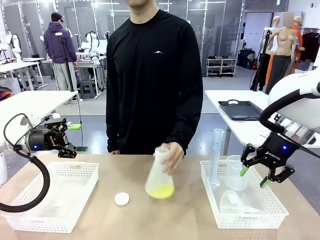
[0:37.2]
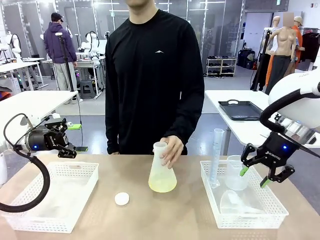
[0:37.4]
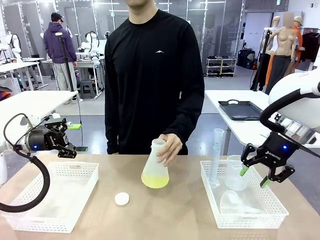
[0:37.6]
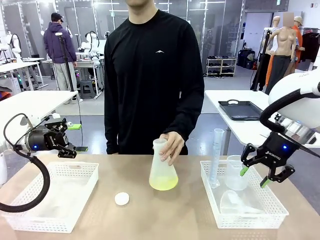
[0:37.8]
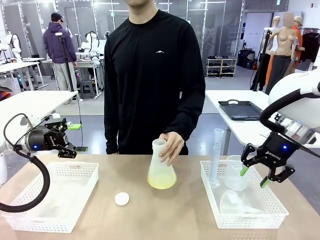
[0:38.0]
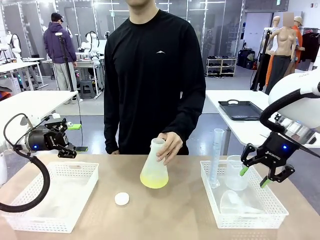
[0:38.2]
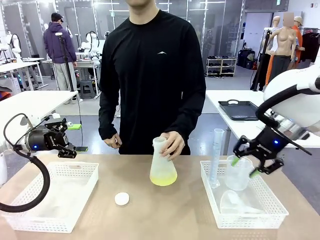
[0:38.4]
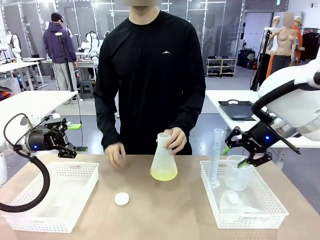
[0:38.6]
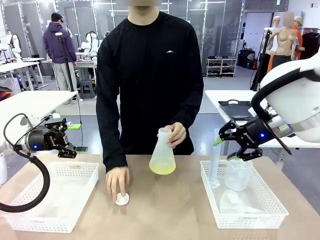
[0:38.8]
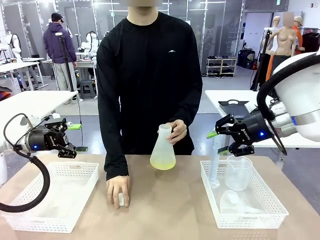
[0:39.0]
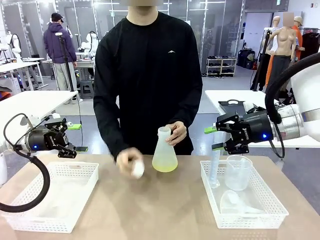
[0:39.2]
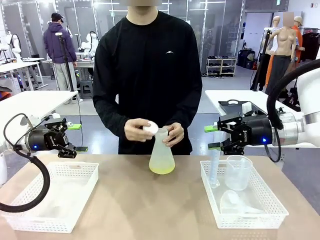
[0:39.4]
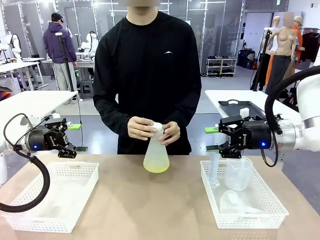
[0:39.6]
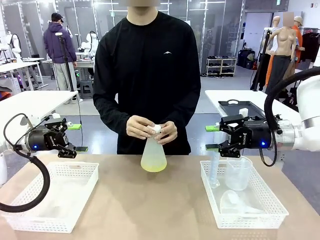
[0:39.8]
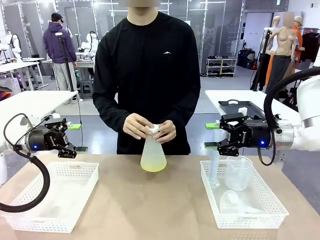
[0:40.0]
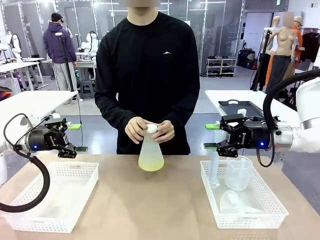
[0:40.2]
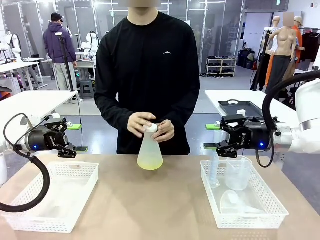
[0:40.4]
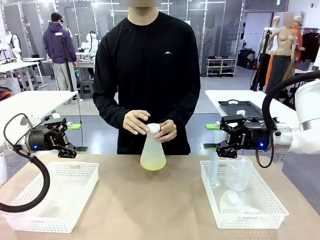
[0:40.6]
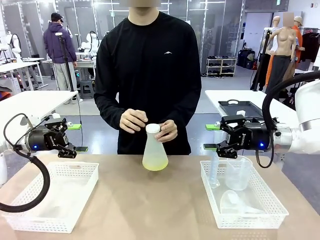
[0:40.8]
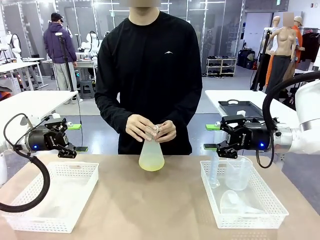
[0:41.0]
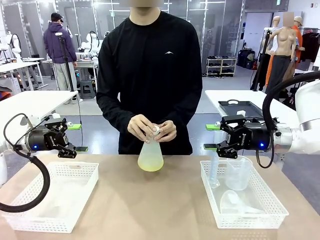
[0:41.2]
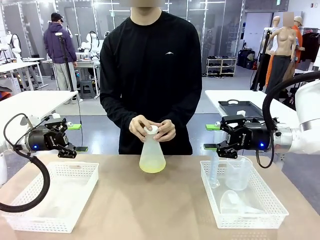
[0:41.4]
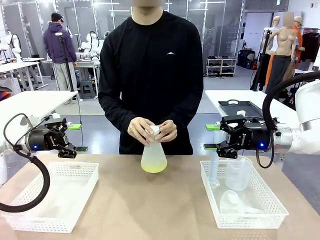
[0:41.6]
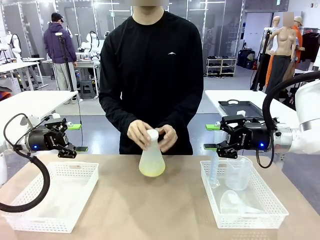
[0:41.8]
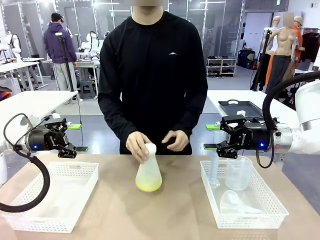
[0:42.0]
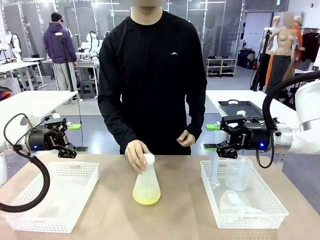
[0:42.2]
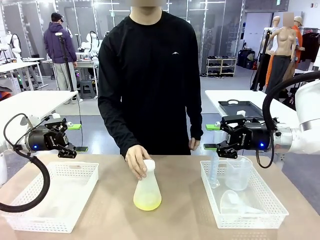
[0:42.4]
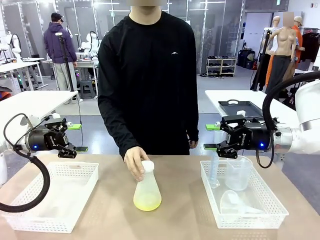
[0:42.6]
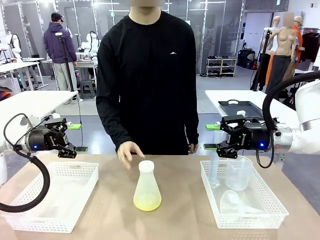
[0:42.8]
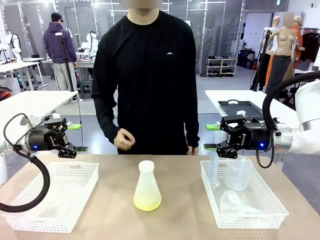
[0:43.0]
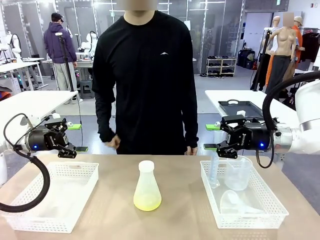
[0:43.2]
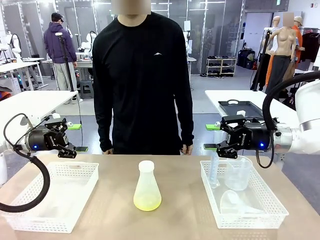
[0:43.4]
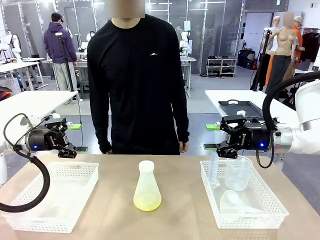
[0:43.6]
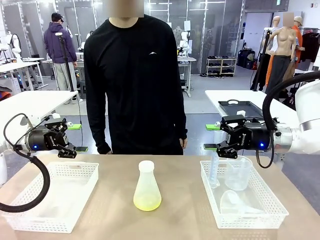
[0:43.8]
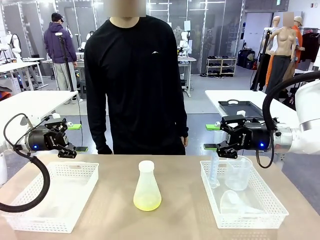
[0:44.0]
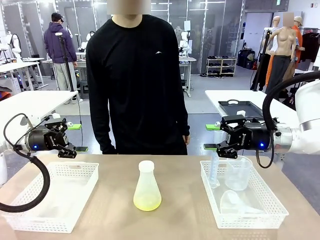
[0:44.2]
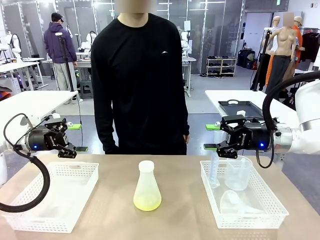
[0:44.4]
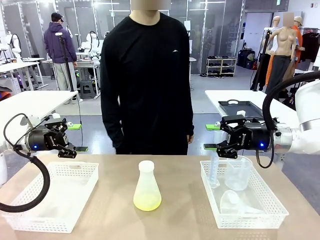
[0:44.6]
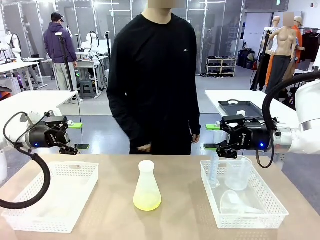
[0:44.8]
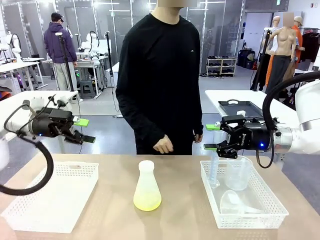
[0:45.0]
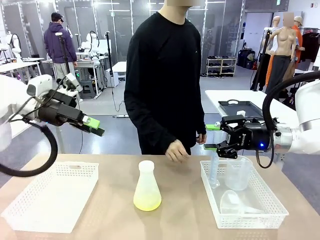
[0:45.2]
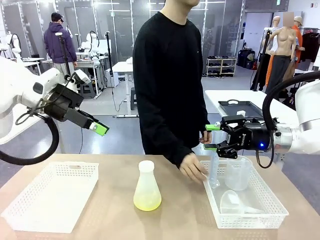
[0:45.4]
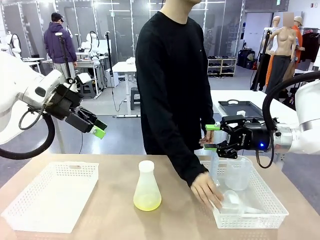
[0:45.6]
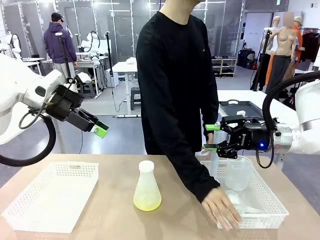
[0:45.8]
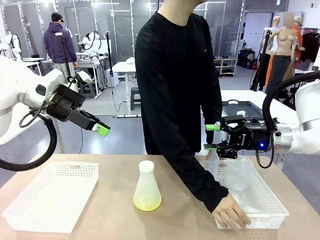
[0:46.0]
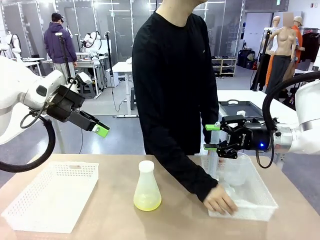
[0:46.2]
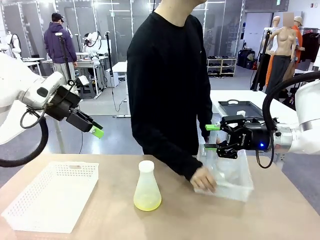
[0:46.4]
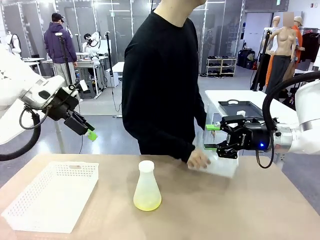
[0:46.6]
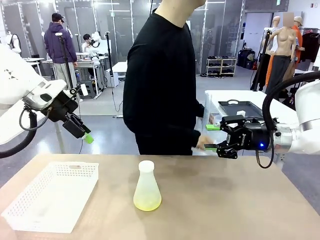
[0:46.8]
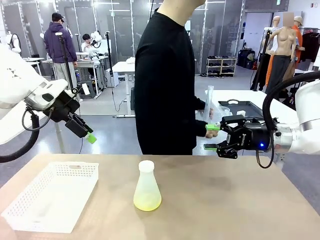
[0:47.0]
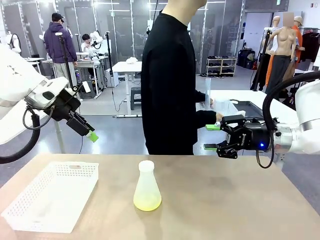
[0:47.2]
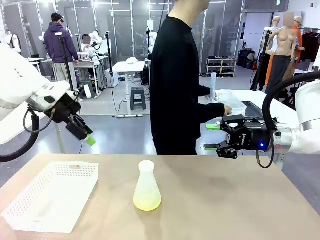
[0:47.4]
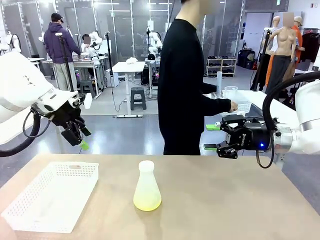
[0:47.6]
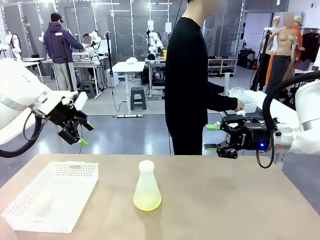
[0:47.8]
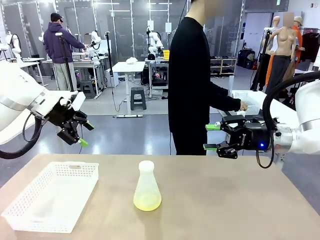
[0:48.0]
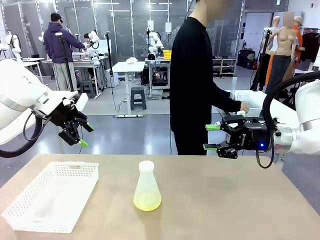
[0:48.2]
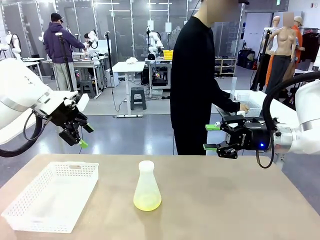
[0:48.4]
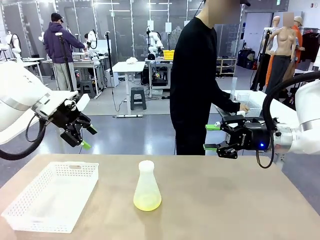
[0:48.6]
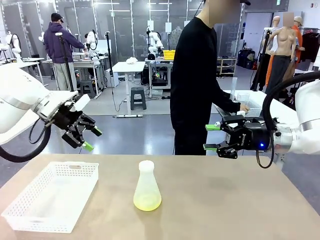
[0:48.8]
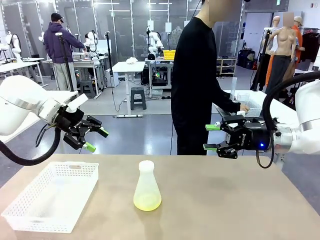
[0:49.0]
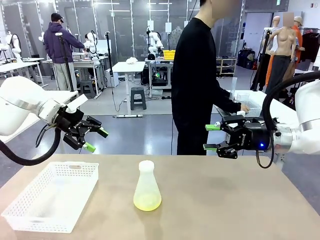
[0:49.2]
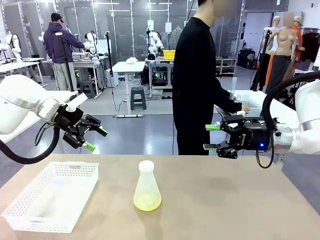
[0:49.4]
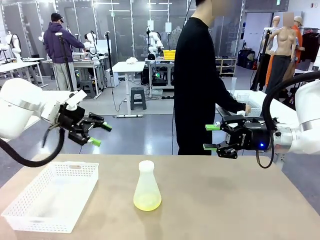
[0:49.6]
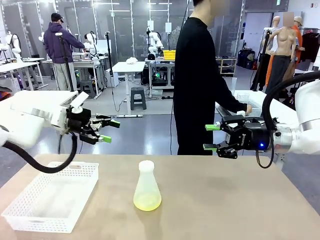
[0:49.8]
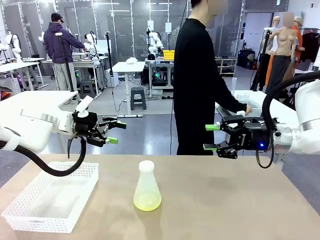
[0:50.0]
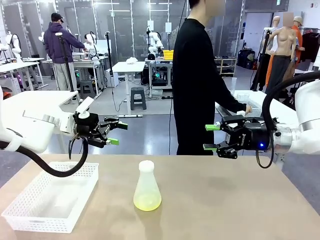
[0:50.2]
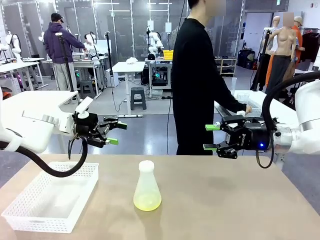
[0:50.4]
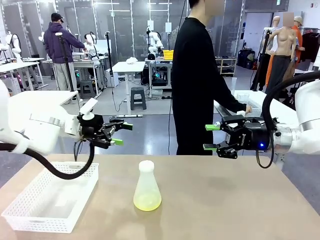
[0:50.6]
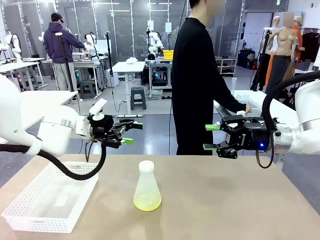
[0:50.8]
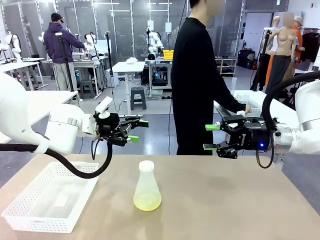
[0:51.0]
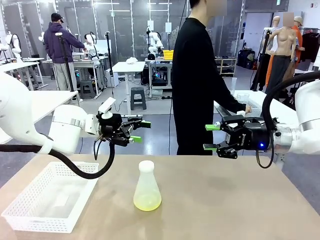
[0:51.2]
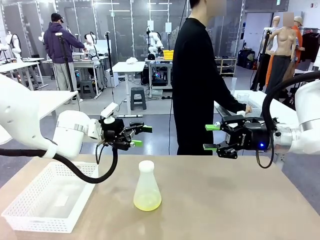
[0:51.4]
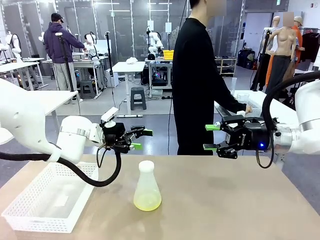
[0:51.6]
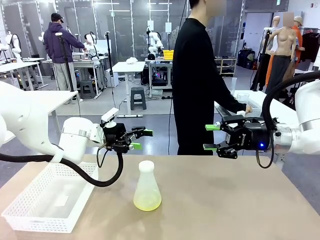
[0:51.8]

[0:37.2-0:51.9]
Task: Prepare the solutions needed for the experiment.
Robot: When the human places the Big flask in the center of the table, pick up the Big flask and place it in the left Organizing basket.
Person: Pick up the flask, gently shake it 2–3 times, place it in the middle of the robot table, and close the lid.

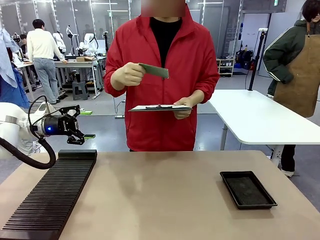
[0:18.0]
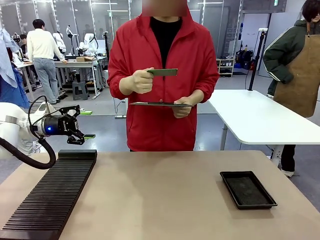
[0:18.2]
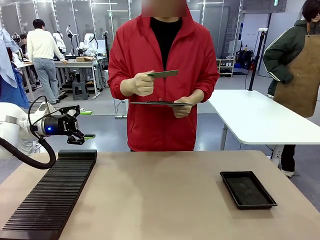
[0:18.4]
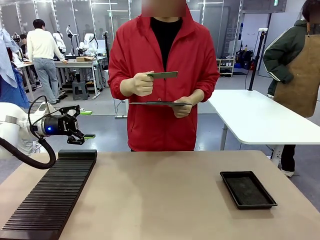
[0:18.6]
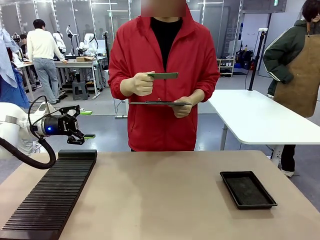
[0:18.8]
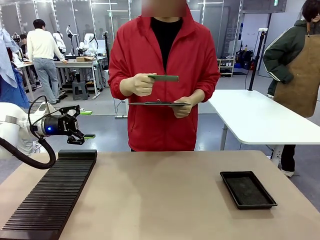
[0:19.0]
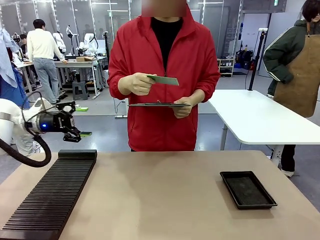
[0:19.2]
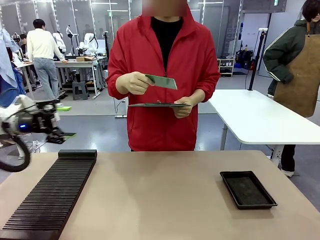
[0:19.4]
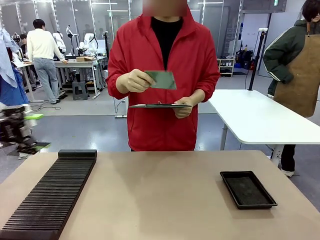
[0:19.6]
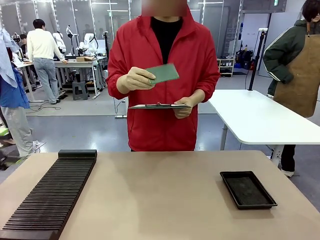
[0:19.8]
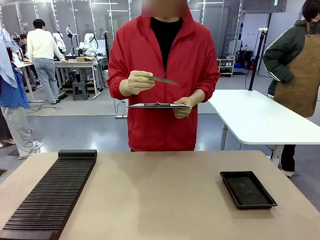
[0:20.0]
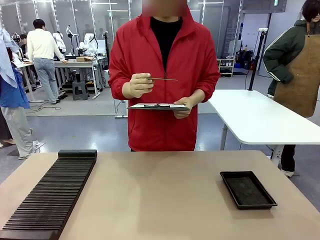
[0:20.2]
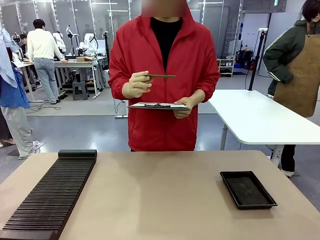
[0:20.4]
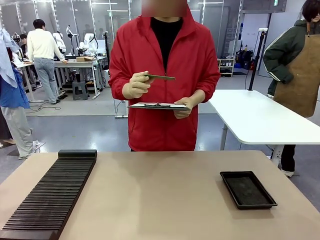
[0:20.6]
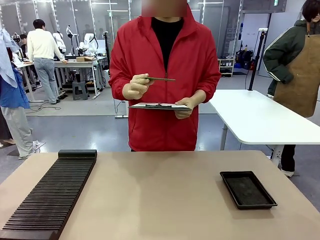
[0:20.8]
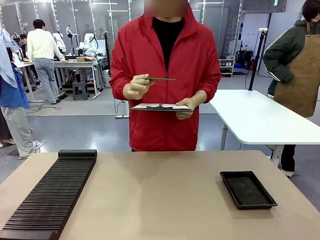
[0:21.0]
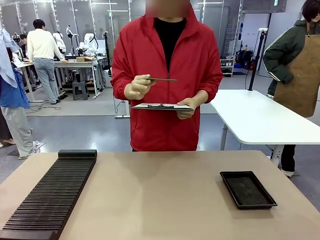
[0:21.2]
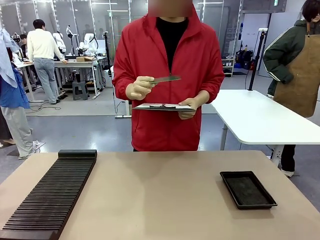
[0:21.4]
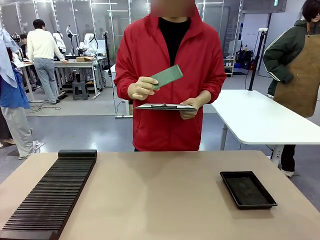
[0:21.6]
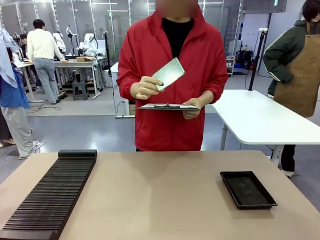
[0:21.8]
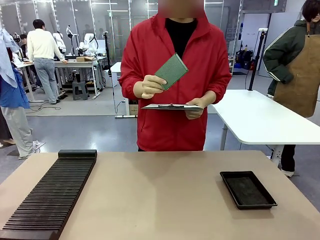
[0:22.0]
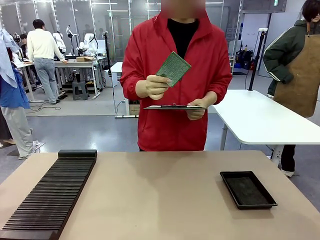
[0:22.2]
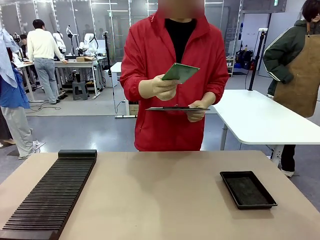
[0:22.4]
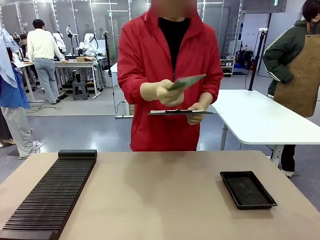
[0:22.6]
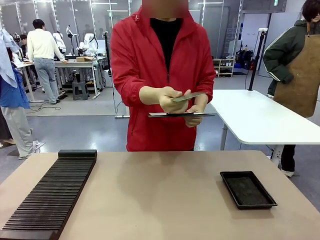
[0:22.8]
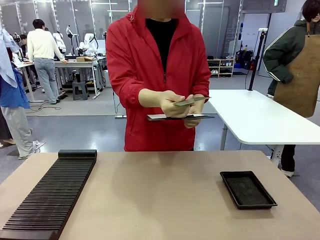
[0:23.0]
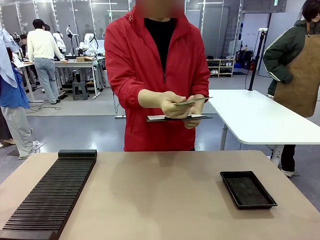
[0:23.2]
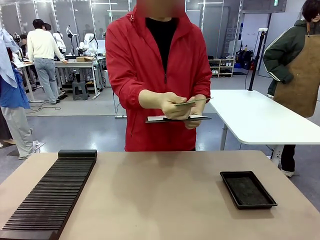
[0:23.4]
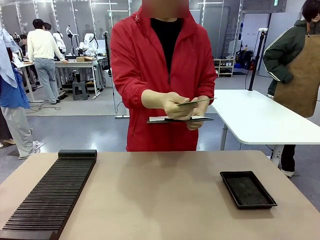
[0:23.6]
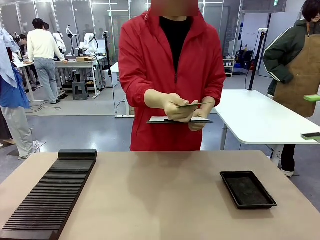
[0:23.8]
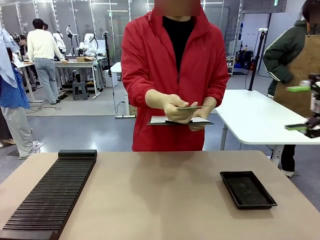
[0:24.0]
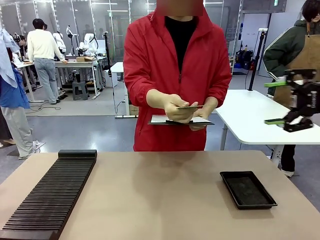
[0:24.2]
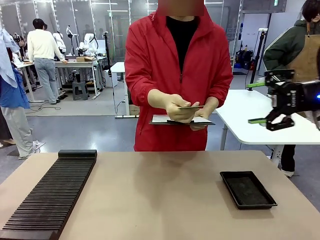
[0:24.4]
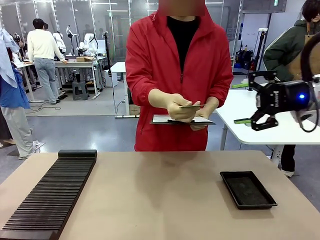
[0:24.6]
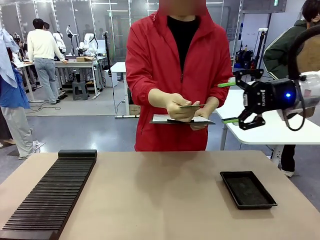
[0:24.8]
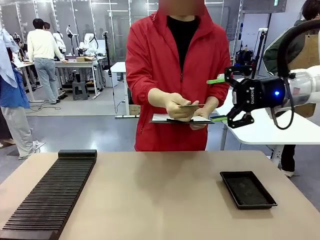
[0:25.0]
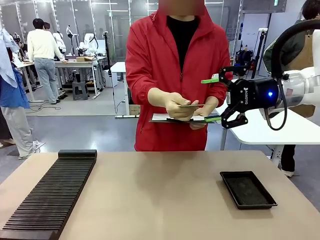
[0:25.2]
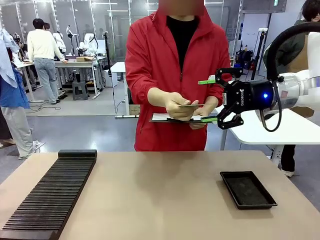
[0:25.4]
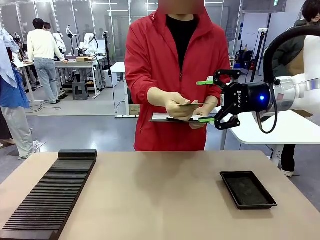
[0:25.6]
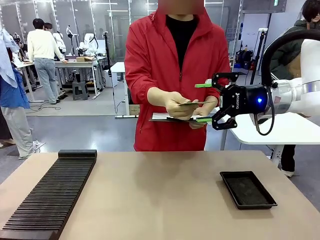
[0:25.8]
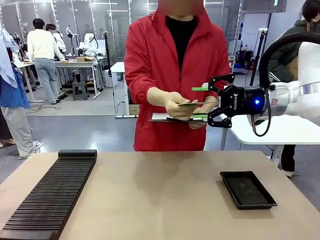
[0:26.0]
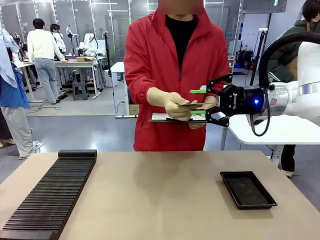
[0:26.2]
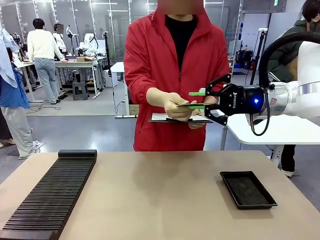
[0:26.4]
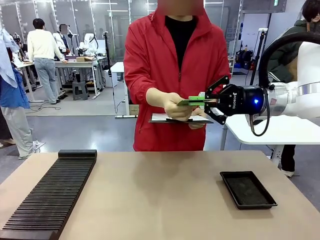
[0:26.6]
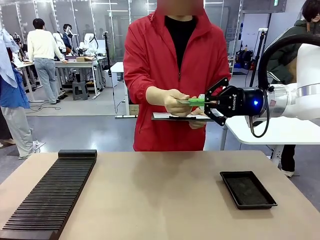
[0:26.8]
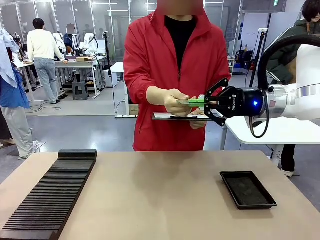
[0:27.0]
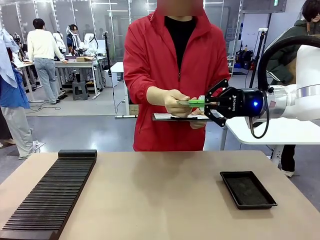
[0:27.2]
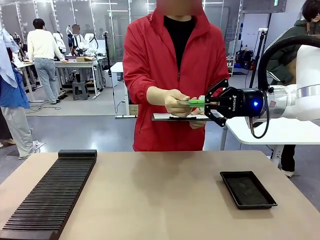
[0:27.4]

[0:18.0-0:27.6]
Task: Inspect the PCB.
Robot: Pick up the Blank PCB that the human is holding.
Person: Inspect the PCB placed by the robot, then hold it out in front of the robot. Release the PCB you were holding.
